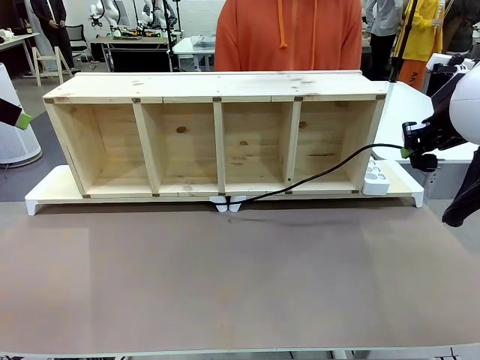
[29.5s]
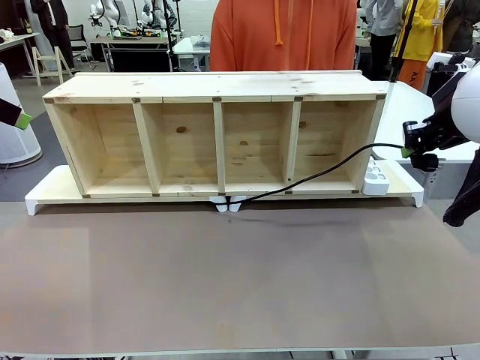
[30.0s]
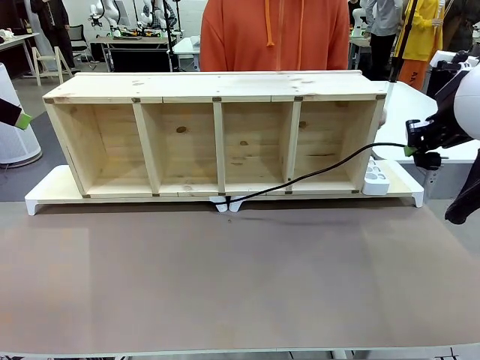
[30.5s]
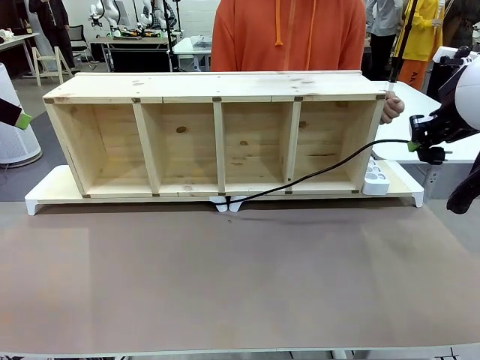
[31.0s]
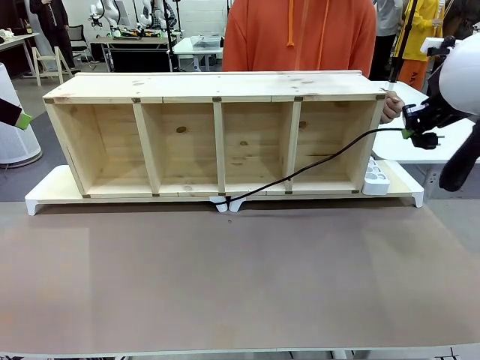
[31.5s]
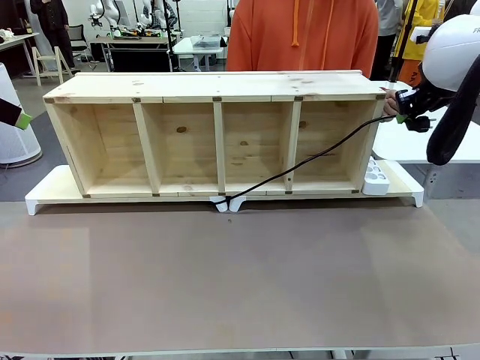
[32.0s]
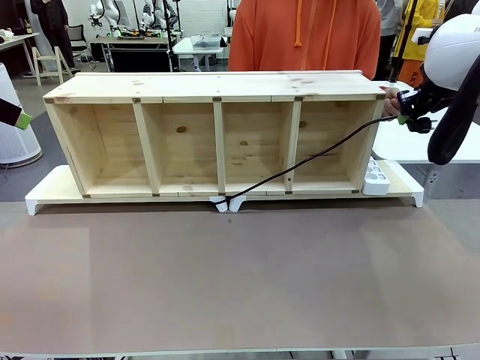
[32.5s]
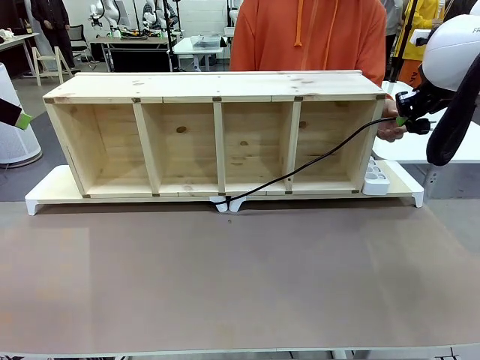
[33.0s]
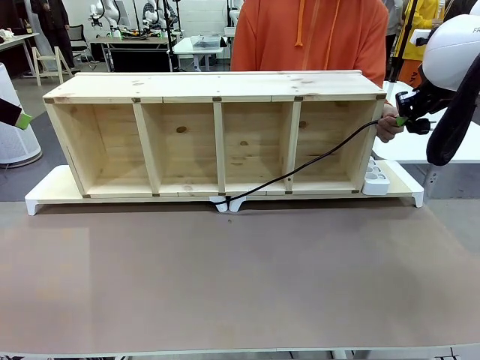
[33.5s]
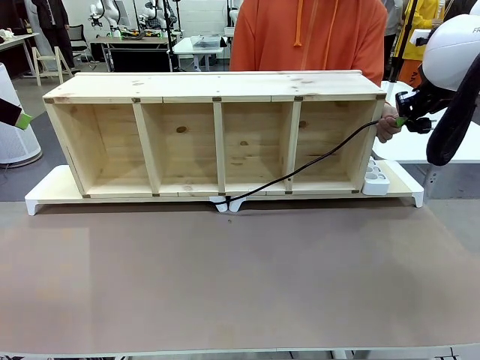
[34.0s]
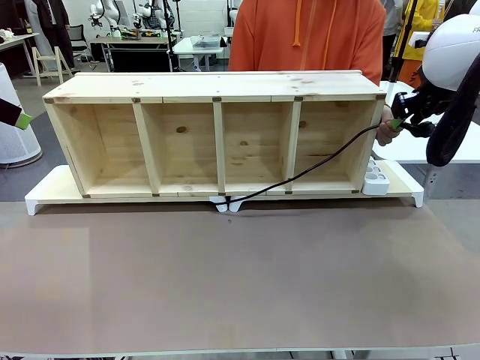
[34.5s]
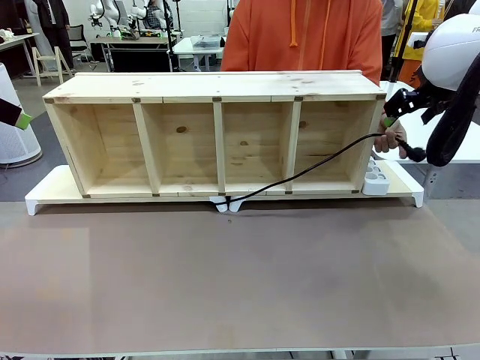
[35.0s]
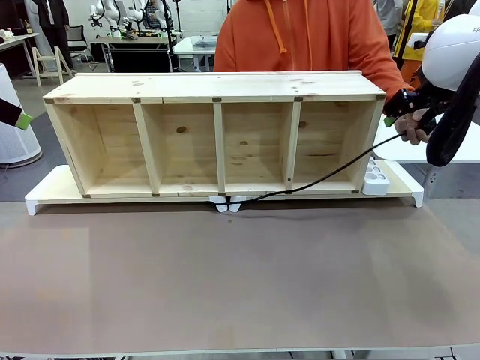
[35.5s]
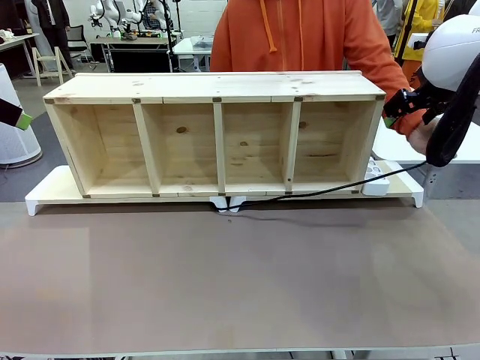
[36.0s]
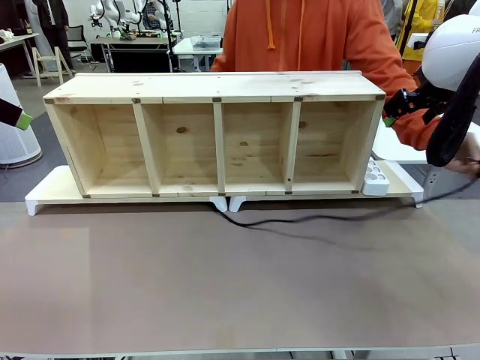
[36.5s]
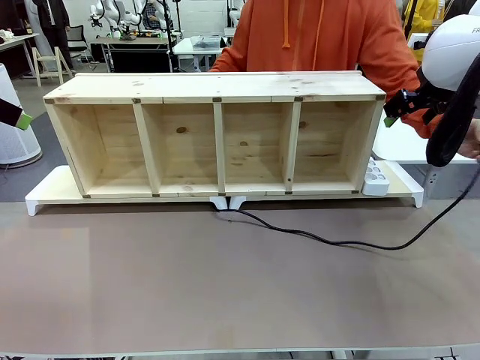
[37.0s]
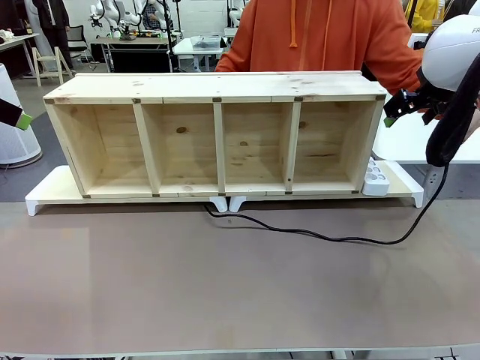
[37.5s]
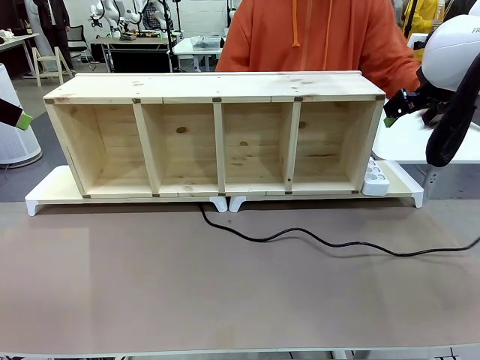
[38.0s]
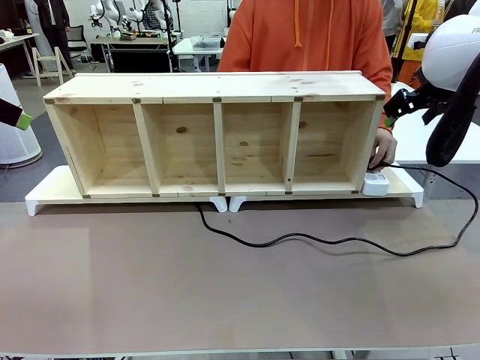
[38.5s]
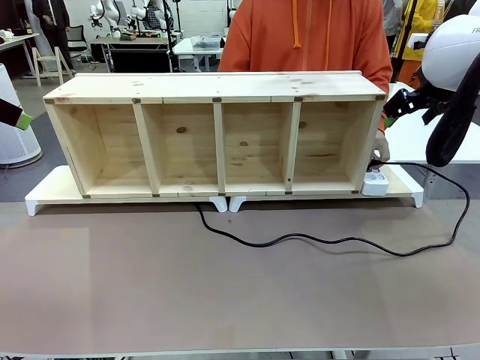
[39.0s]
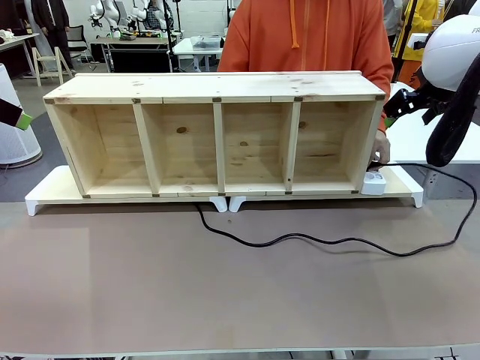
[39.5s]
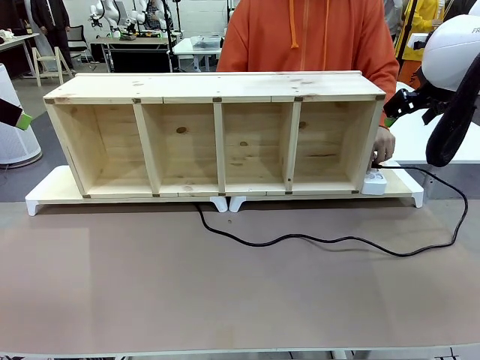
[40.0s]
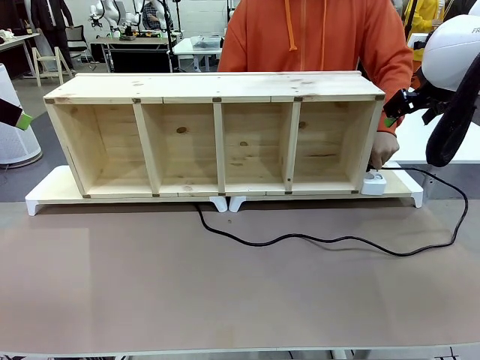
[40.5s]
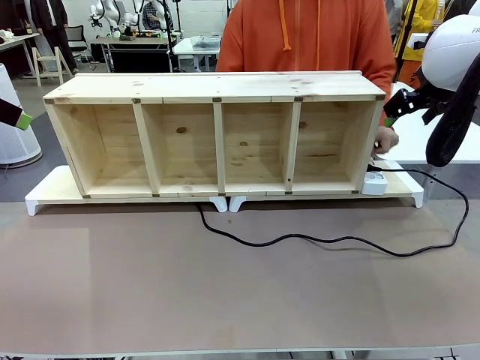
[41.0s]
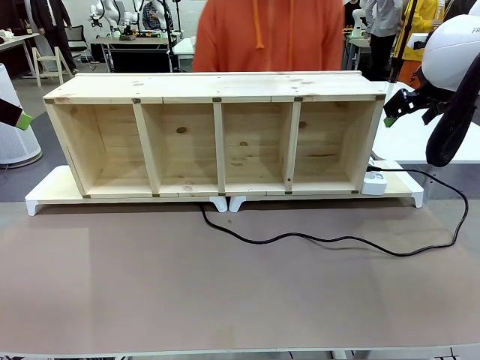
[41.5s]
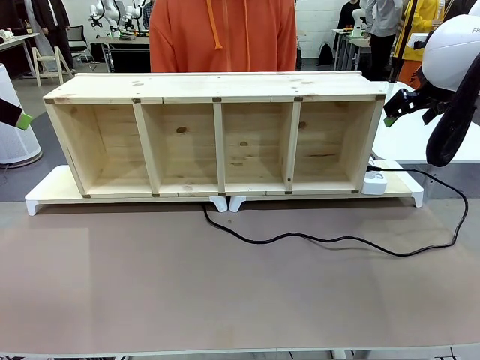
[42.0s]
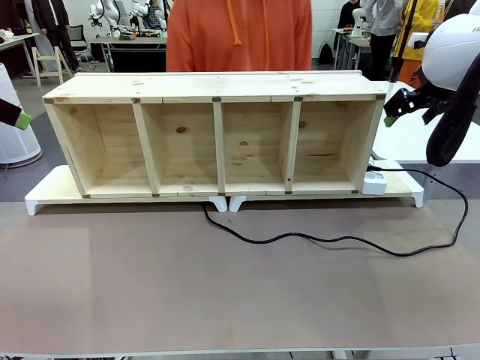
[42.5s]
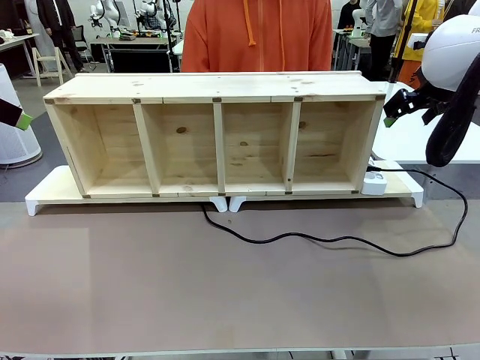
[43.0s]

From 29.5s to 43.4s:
Task: Perform cable management.
Robot: Release the Power Cable when the human grasps it.
Person: Plug the Power Cable into the Power Strip.

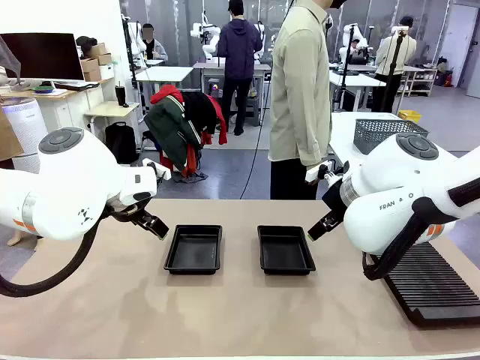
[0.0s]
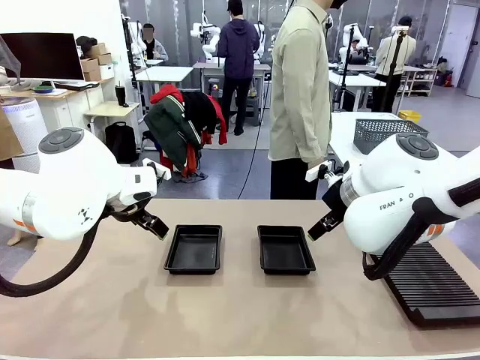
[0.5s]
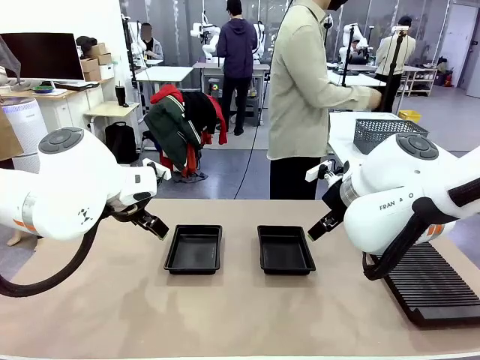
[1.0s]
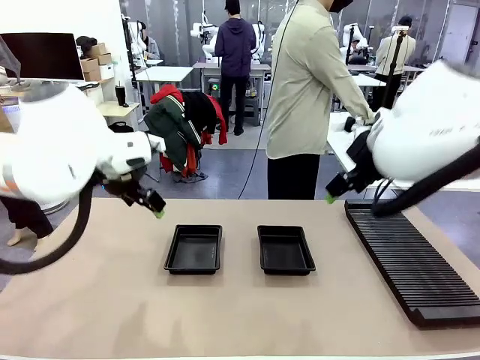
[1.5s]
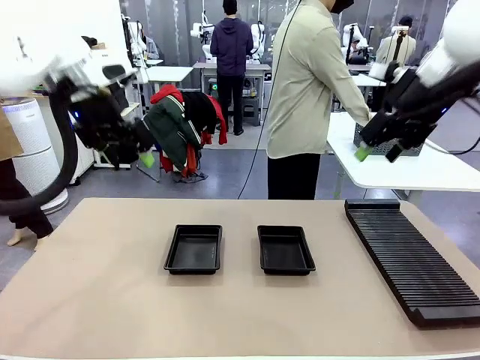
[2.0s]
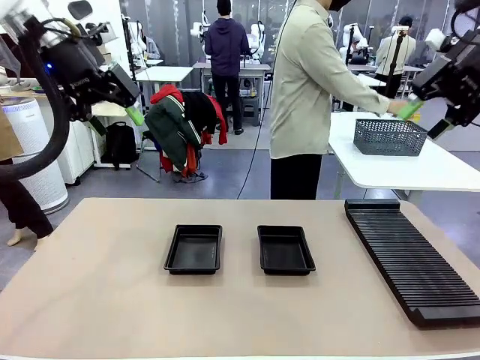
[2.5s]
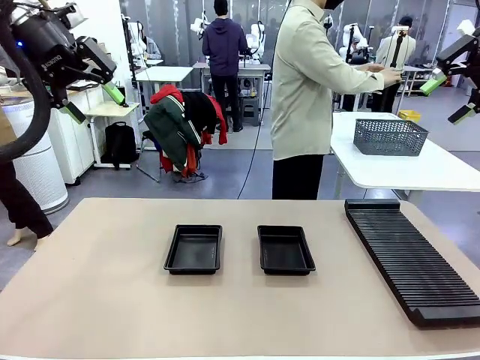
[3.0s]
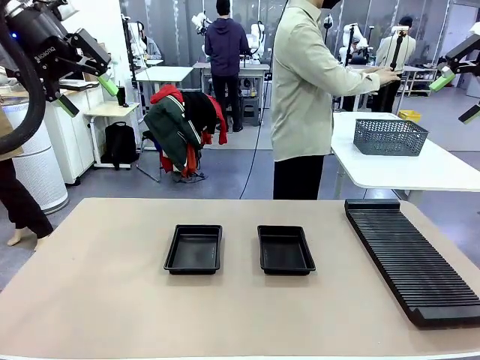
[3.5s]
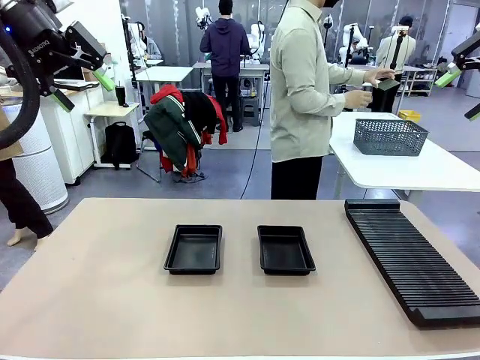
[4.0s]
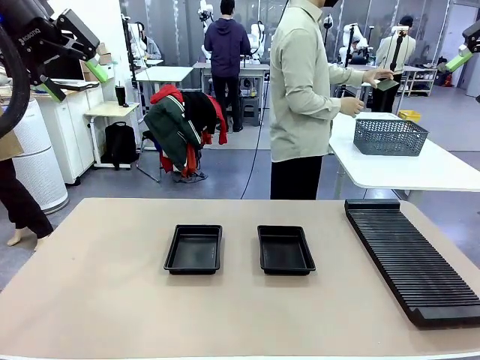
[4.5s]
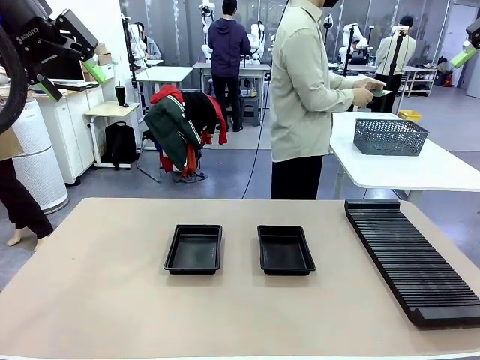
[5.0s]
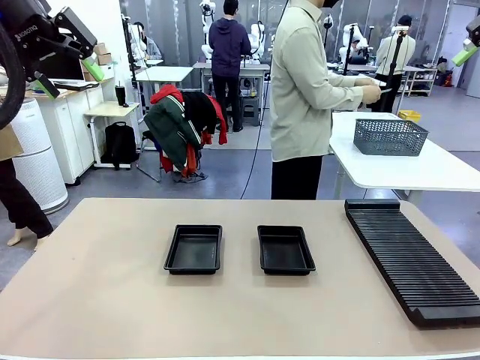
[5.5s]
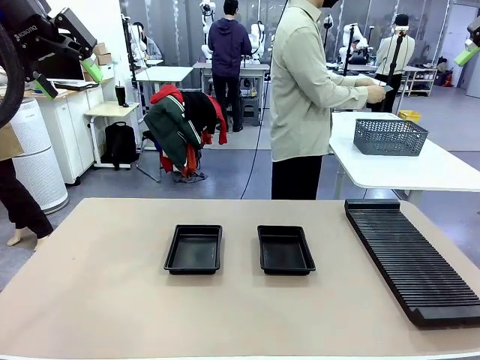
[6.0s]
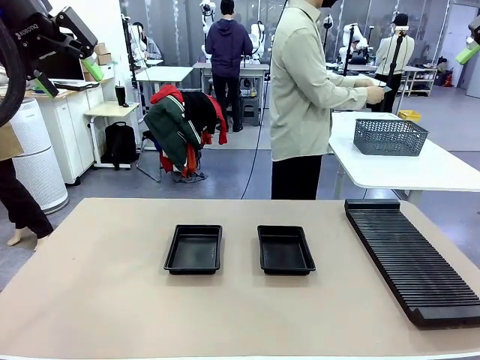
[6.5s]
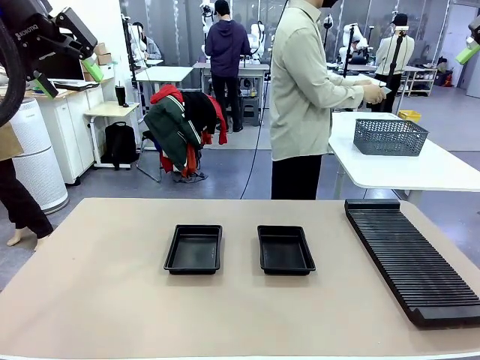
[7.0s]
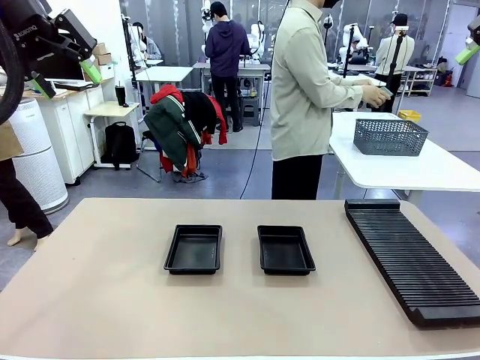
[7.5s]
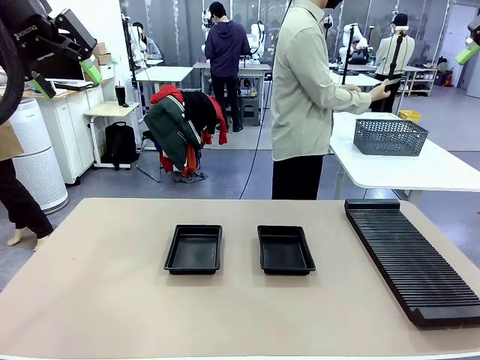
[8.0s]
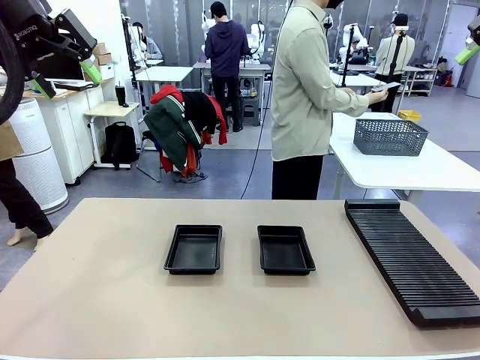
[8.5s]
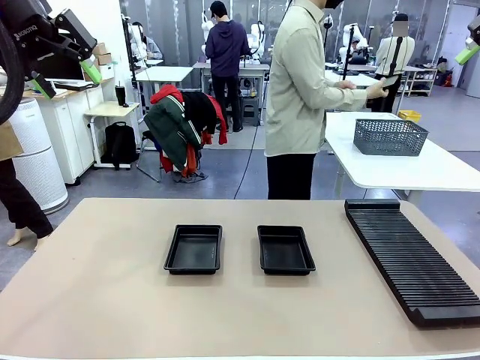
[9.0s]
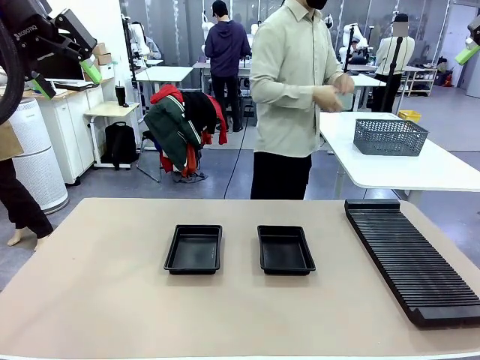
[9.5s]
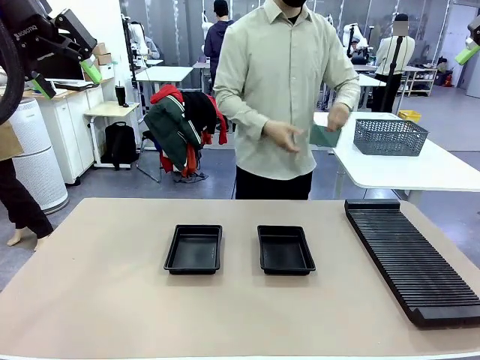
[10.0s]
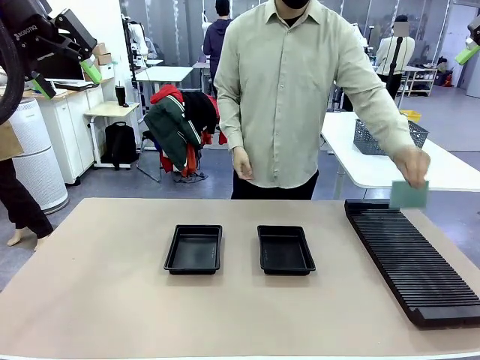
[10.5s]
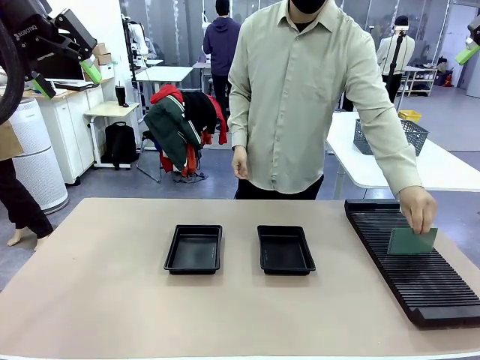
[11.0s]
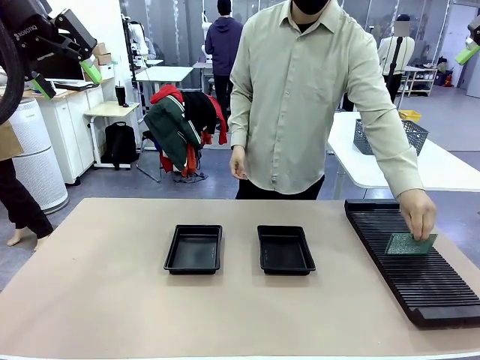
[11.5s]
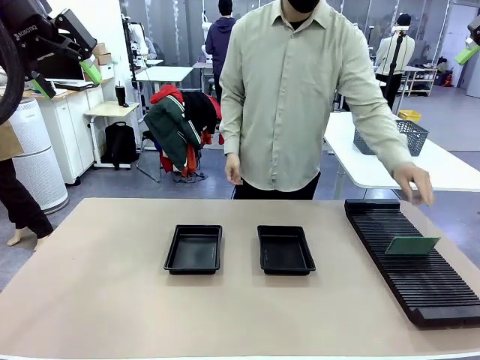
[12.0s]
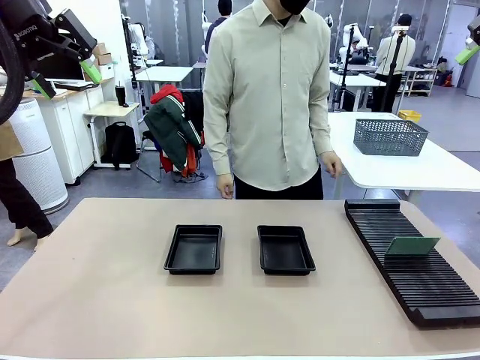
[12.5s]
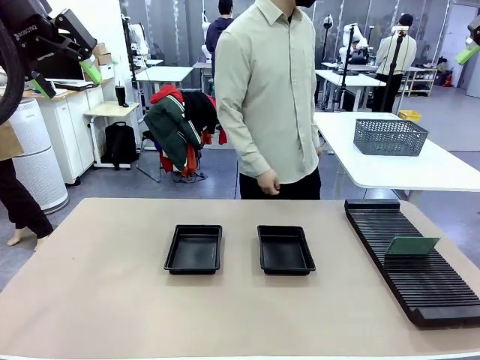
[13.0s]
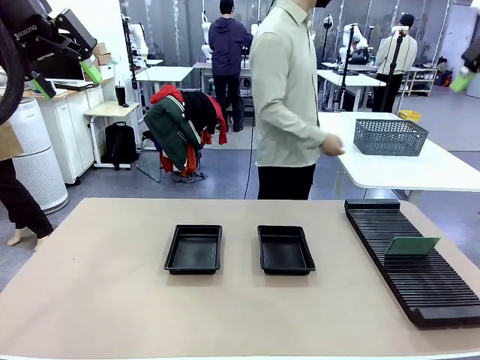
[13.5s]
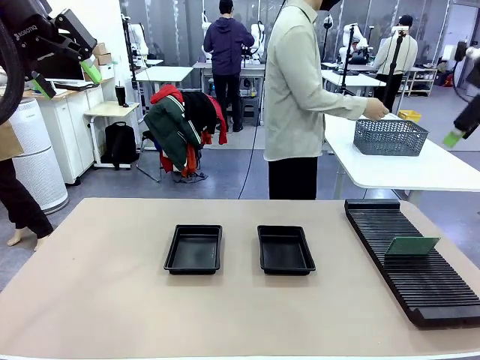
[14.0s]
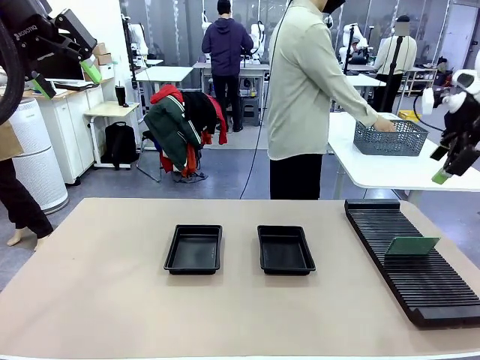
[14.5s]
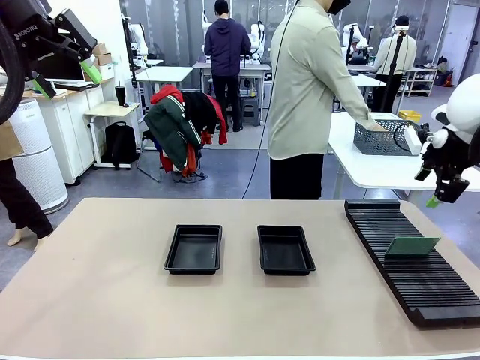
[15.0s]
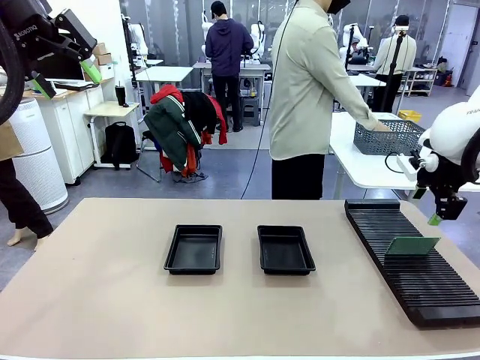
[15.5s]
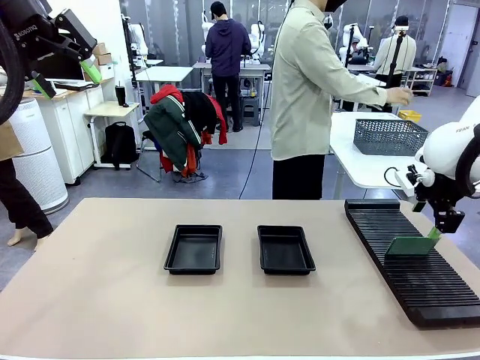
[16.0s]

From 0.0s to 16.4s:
Task: Inspect and transfer BCBs to ESD trays.
Robot: Pick up the Blank PCB from the PCB Rack and place it in the left ESD tray.
